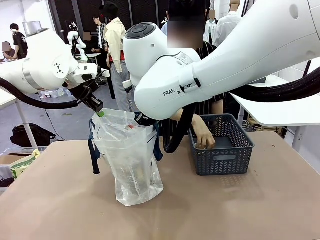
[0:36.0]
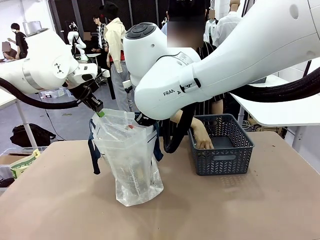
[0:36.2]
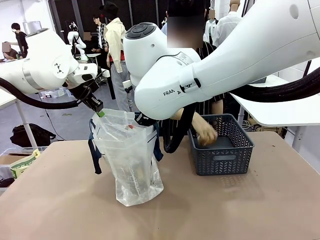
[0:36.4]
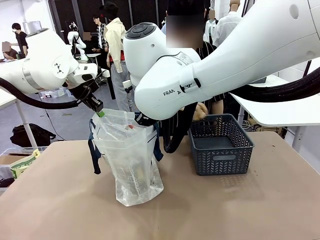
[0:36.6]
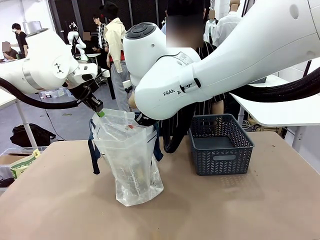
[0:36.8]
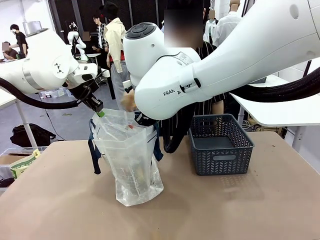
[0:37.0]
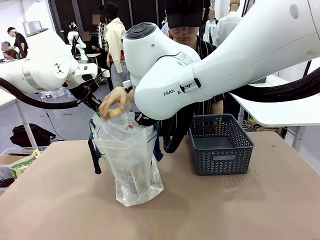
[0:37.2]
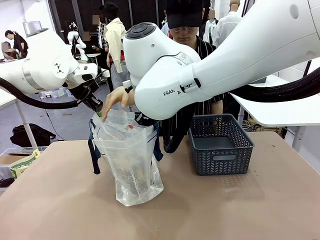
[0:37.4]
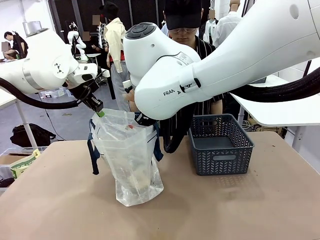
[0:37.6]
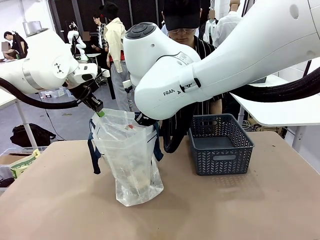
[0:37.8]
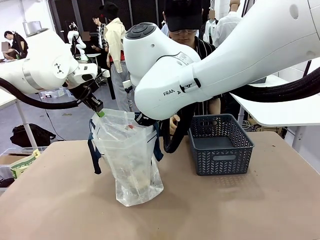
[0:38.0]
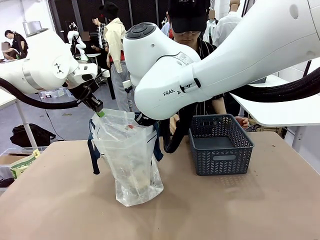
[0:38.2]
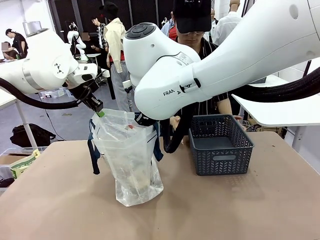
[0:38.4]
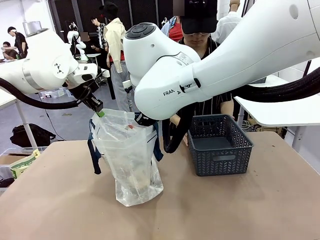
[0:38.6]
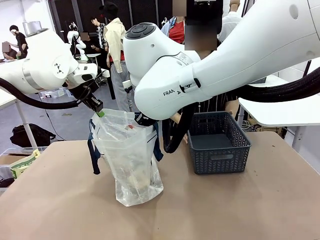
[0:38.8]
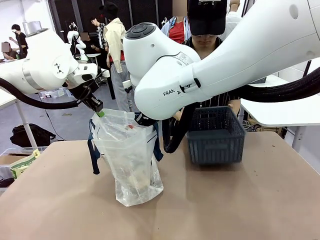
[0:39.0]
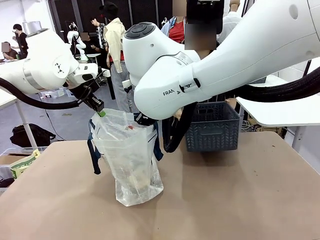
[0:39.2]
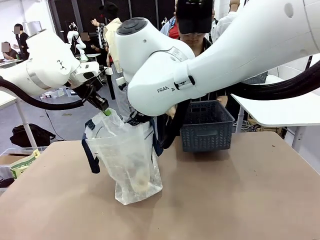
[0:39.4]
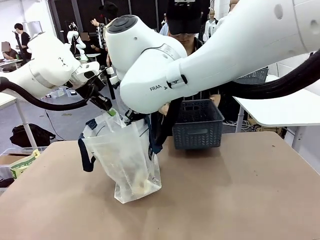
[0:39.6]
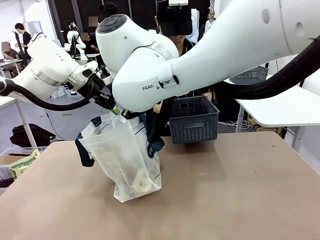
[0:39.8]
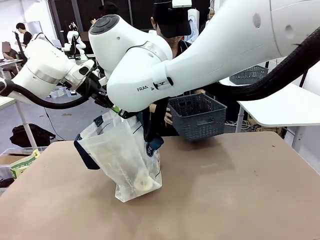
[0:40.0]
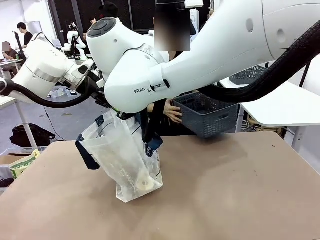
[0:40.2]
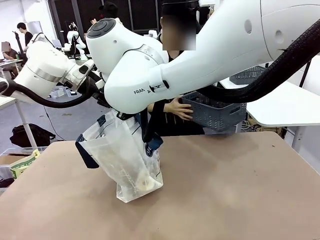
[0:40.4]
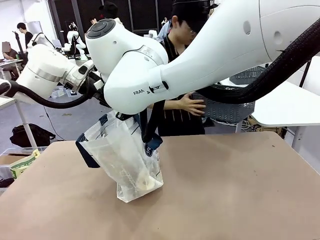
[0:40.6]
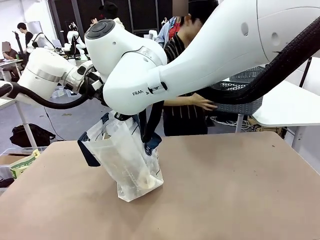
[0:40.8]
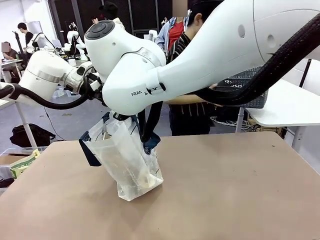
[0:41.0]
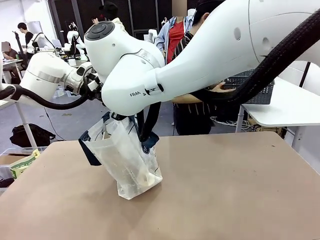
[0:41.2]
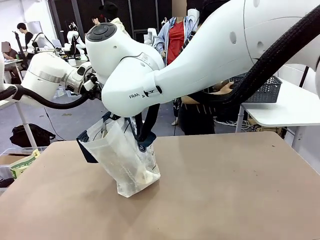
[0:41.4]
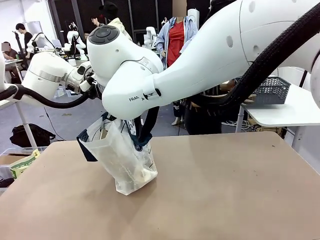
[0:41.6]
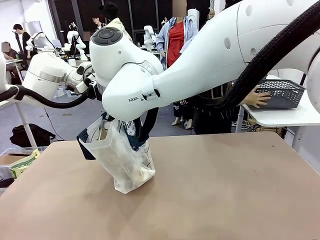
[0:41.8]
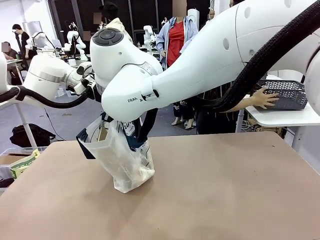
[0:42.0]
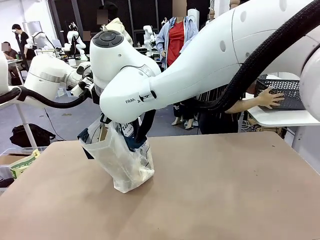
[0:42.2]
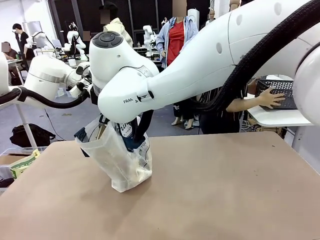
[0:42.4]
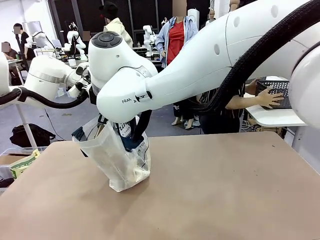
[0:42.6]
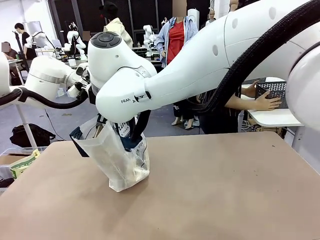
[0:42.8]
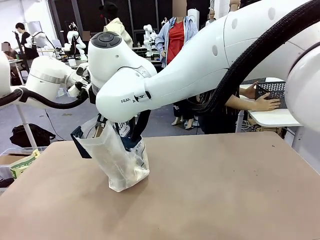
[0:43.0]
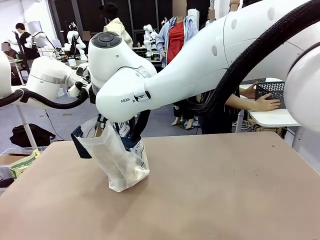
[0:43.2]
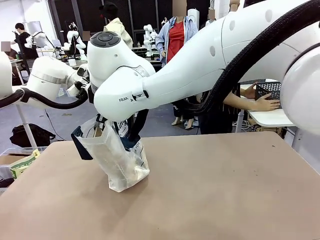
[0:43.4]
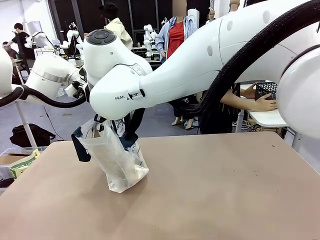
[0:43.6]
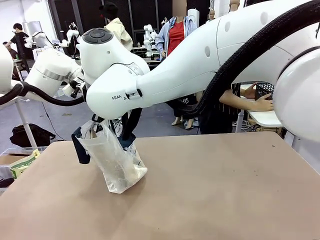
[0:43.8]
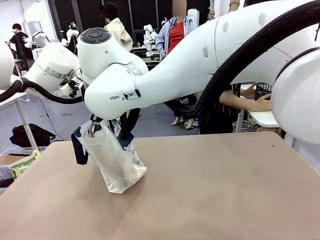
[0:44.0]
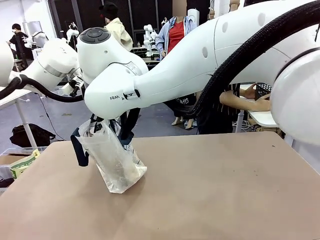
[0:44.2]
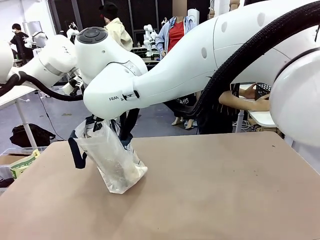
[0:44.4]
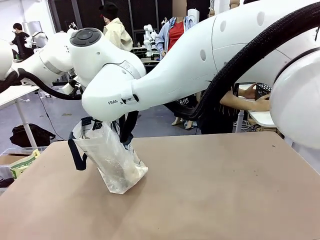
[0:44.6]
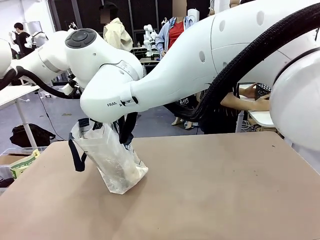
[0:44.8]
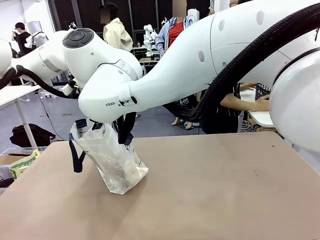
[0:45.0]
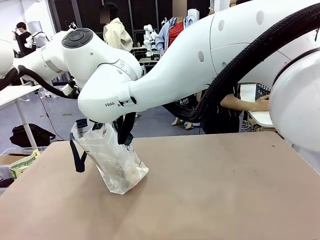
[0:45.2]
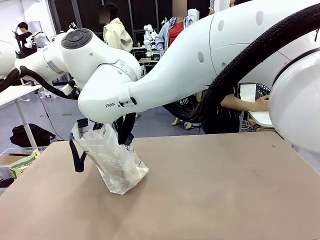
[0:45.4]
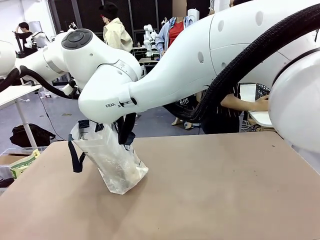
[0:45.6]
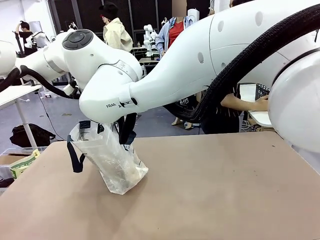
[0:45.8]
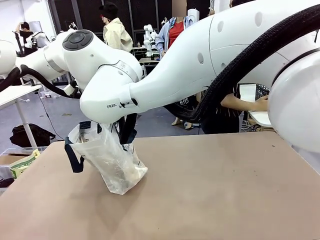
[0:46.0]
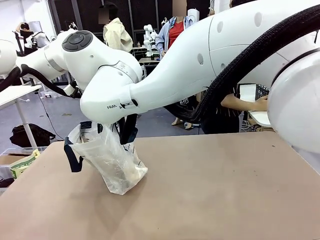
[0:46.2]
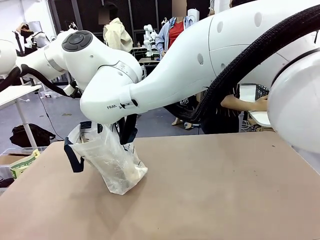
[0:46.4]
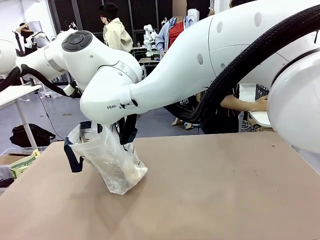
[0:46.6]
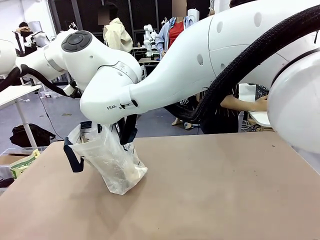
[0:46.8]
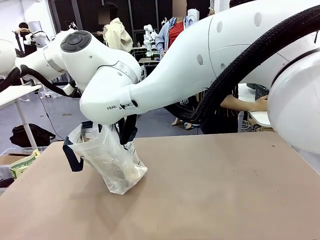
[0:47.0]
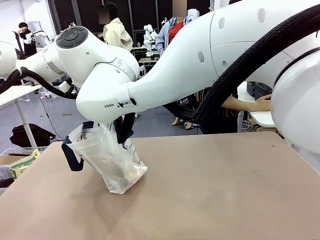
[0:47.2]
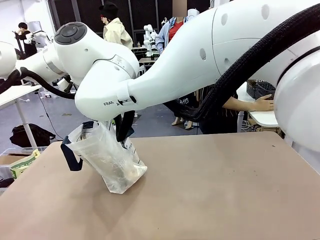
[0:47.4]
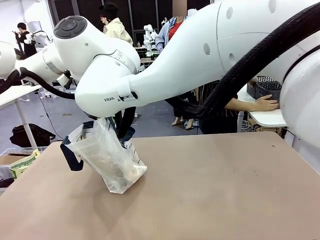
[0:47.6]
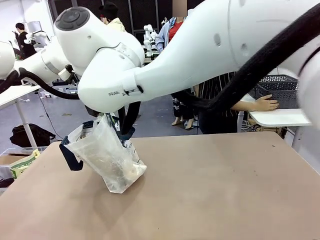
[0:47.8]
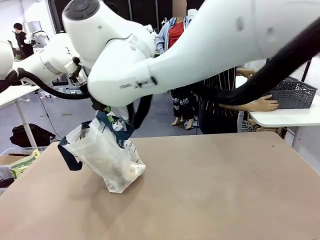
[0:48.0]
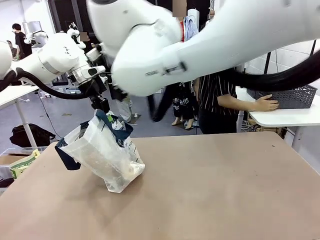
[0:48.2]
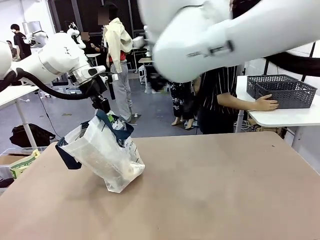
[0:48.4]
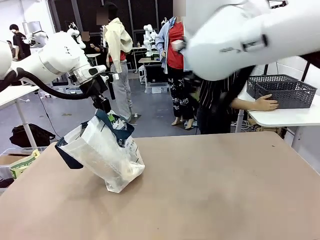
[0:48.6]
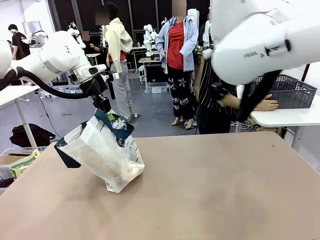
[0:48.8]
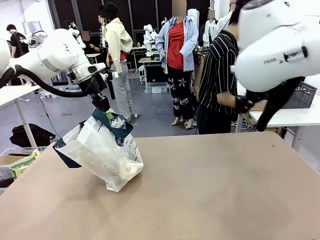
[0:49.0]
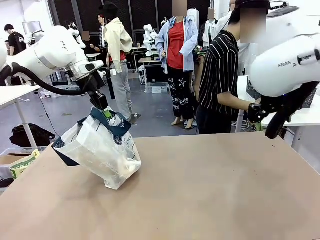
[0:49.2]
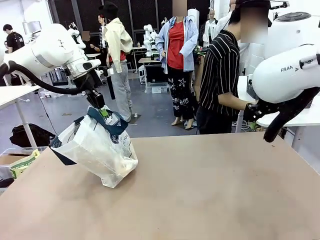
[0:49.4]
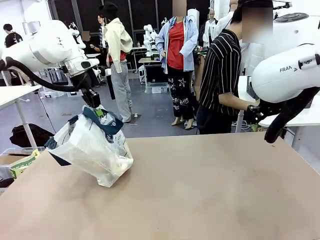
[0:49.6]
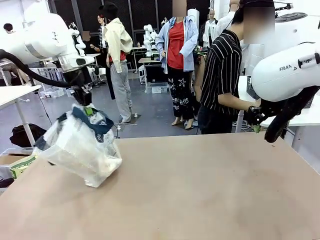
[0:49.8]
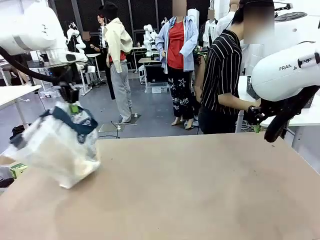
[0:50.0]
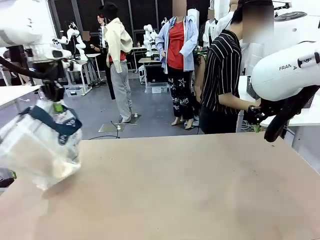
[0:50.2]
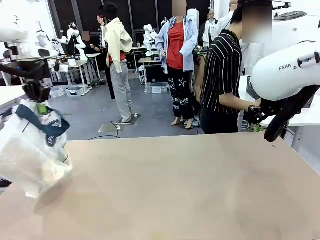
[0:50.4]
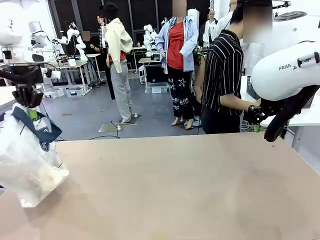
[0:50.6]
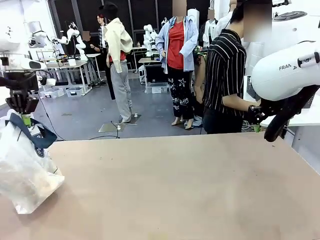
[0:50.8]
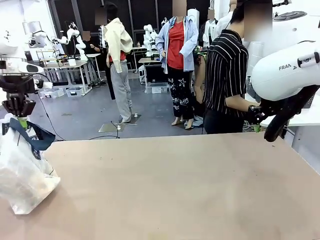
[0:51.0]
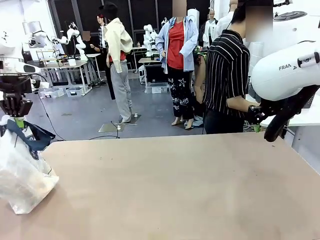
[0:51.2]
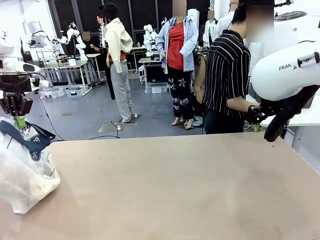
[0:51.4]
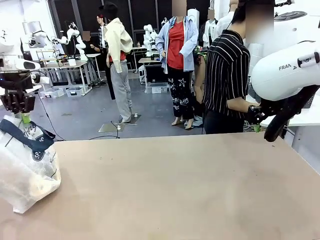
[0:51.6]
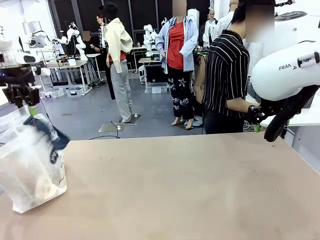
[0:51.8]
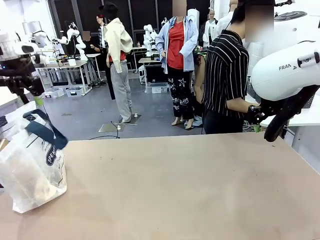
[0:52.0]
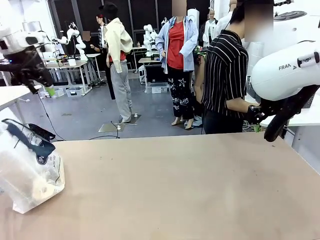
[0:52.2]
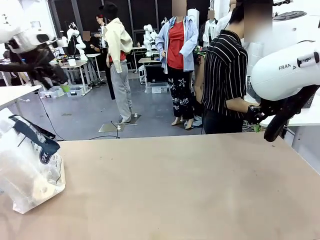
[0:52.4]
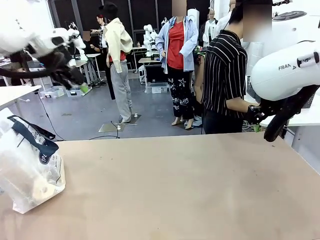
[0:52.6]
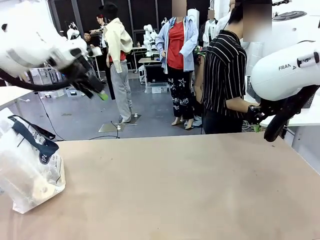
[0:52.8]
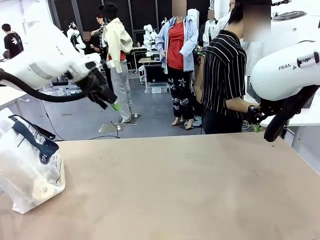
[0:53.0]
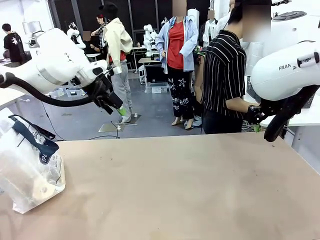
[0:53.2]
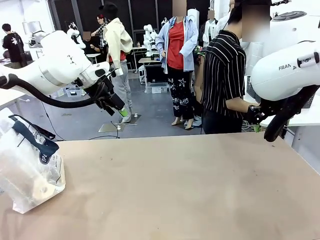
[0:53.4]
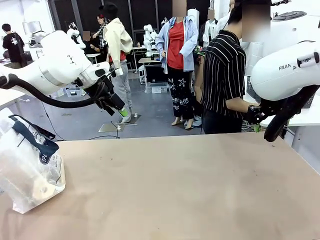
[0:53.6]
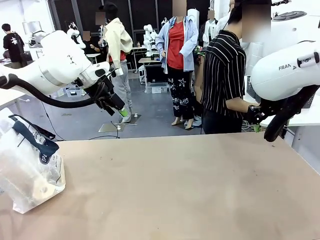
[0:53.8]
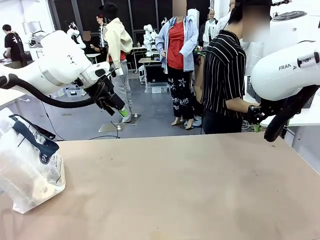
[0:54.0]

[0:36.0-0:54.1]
Task: Transfer purchased items from the store into the shopping bag.
Robot: Move the Reusable shopping bag to the right side of the table.
Person: Move the basket on the left to the middle of the person's table.
